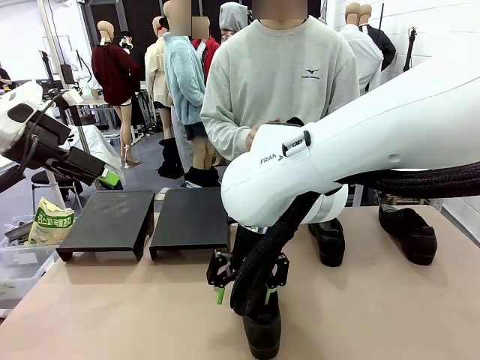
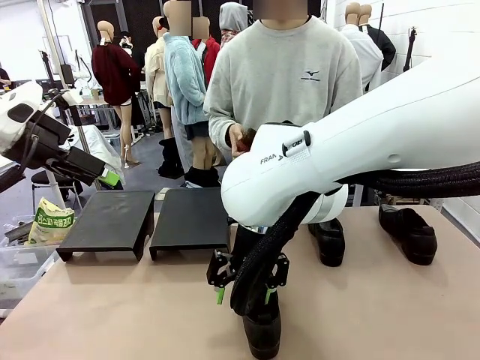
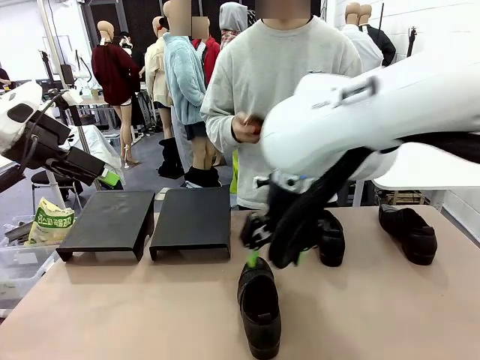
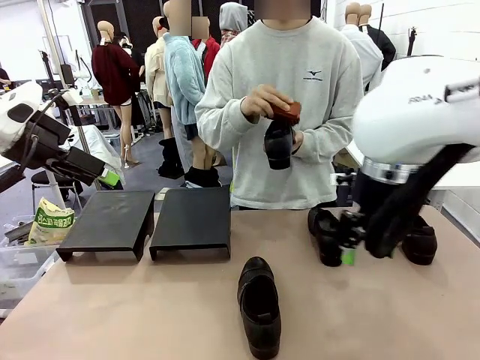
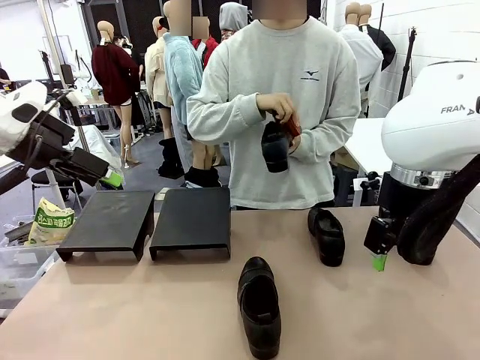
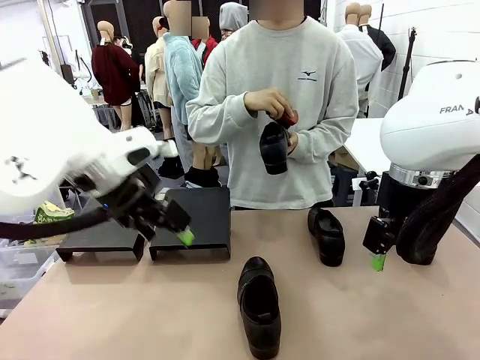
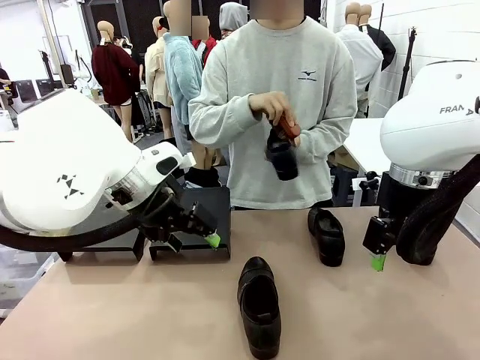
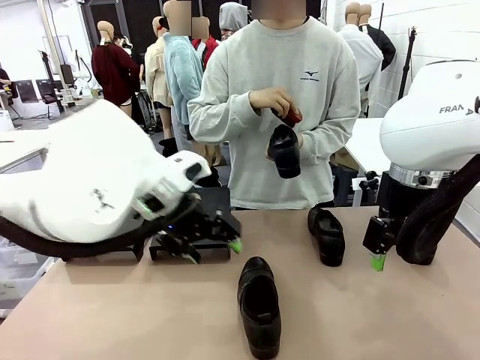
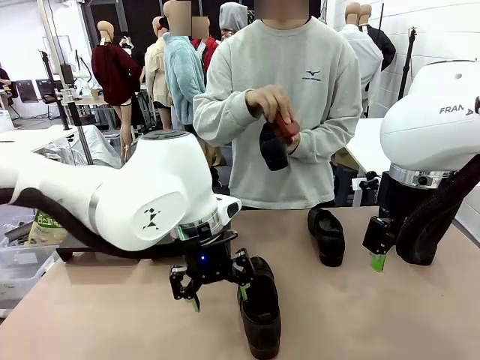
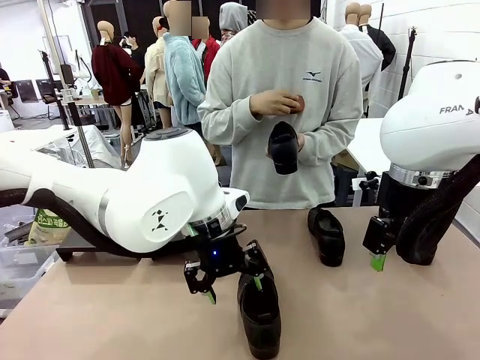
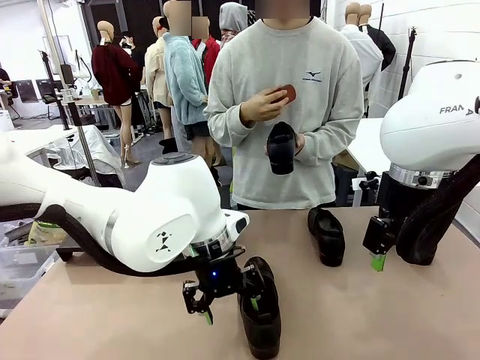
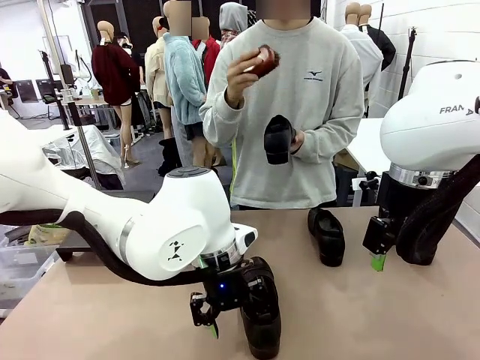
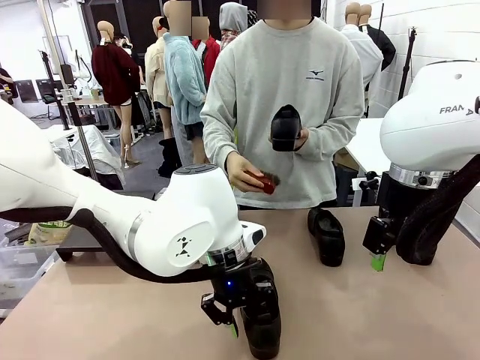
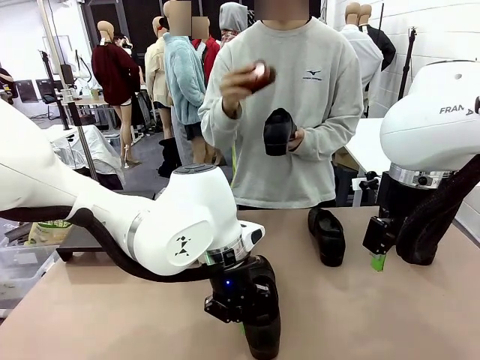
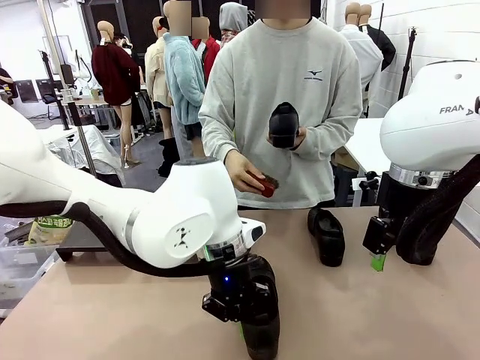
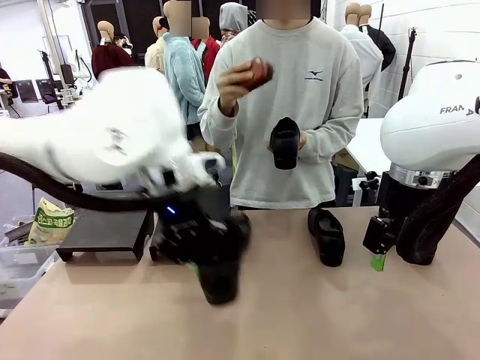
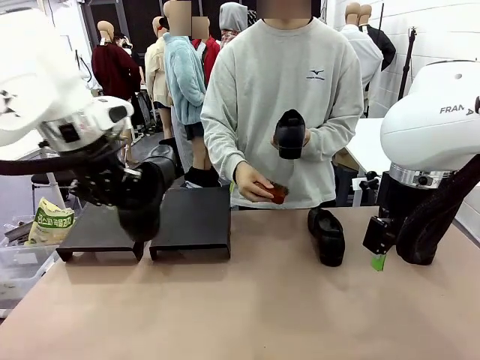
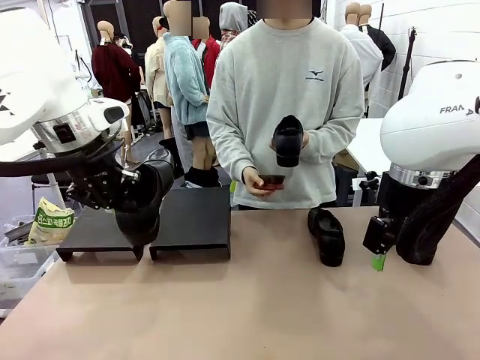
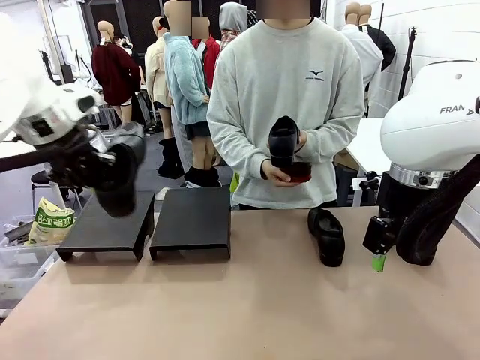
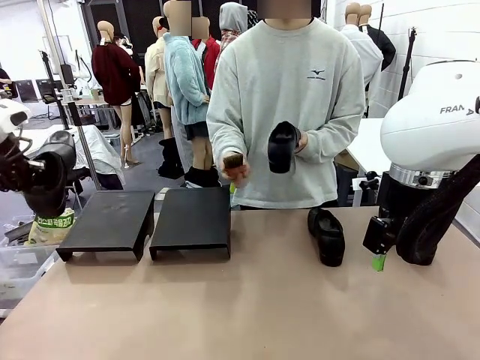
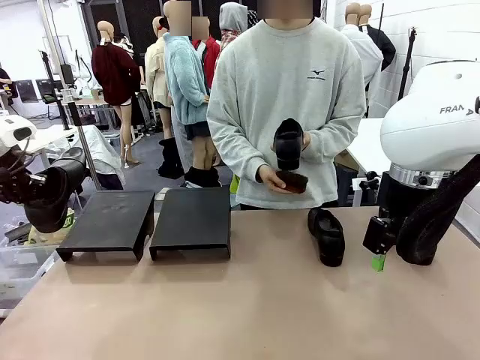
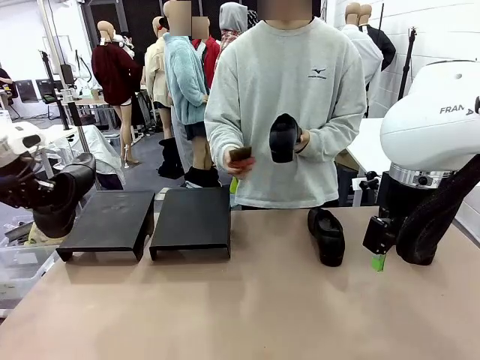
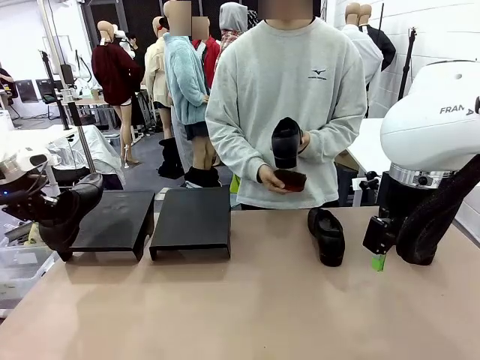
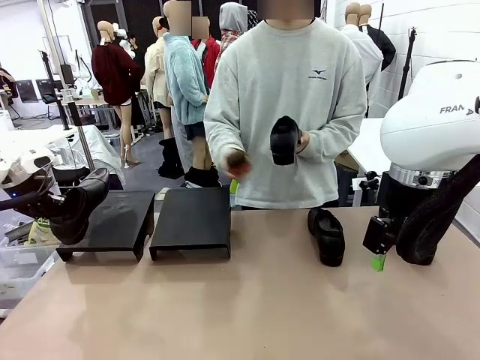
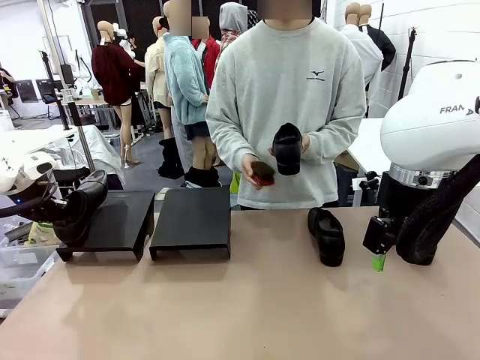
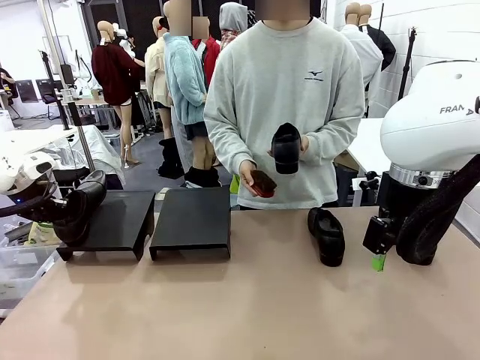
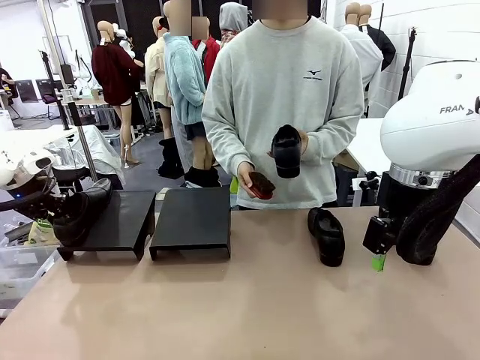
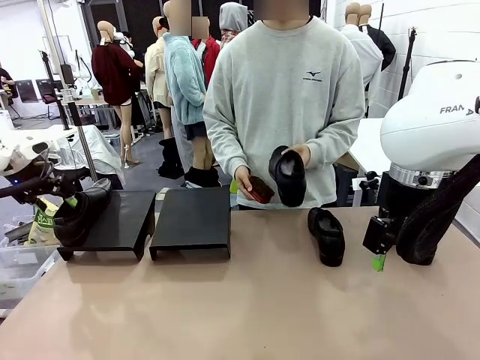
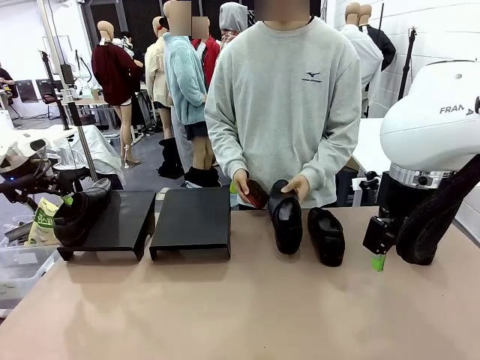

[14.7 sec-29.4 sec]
Task: Organize the shoes by placing them on the stand.
Robot: Place the Shoe from the middle of the table onto the Shoes Stand.
Person: Clean the Shoe with the Shoe Brush.

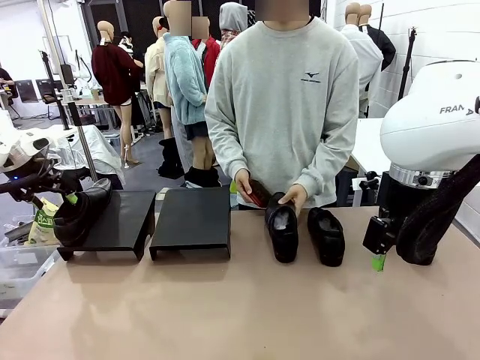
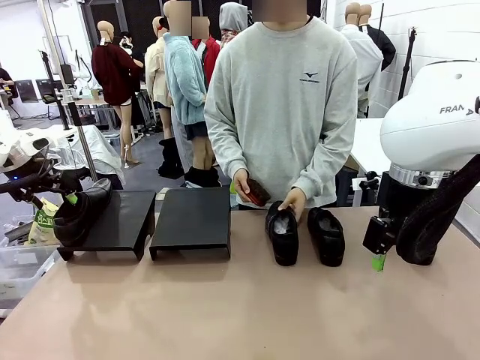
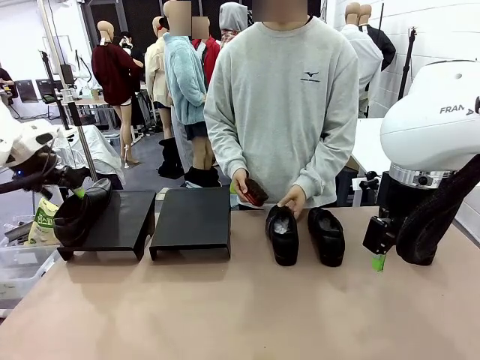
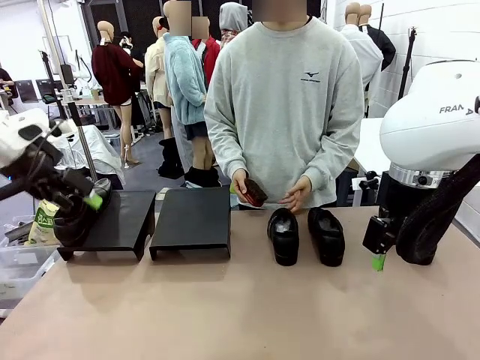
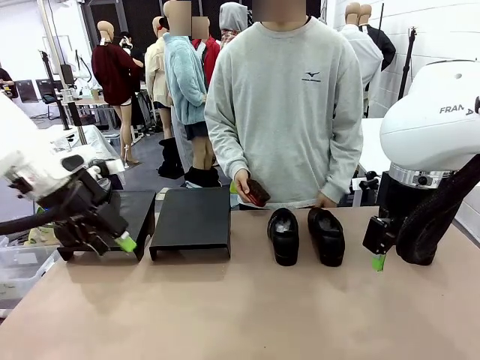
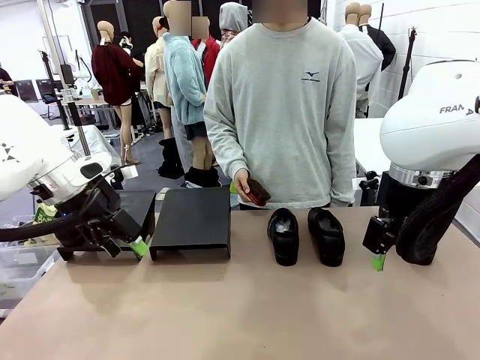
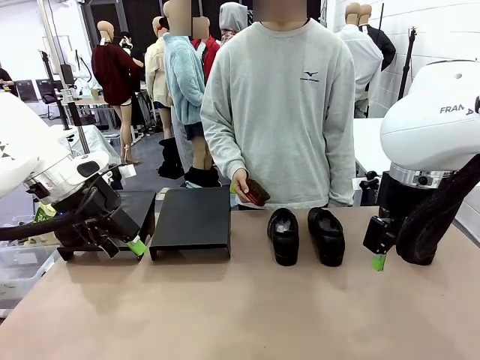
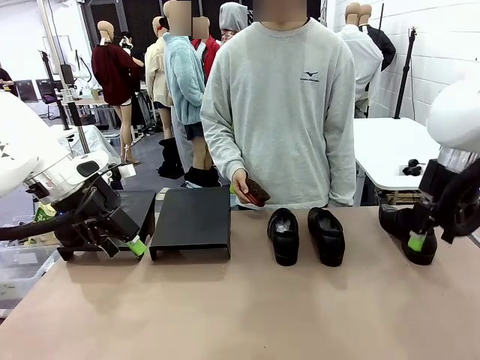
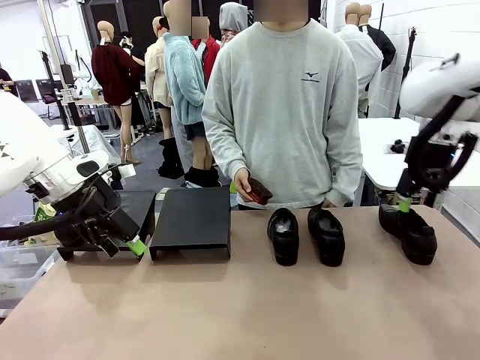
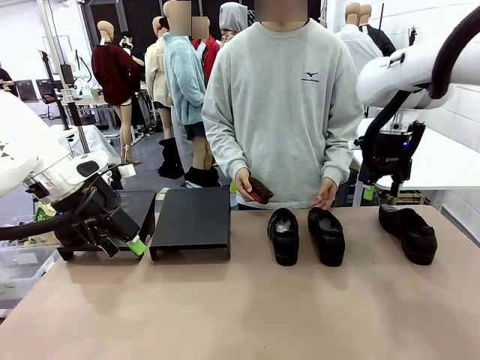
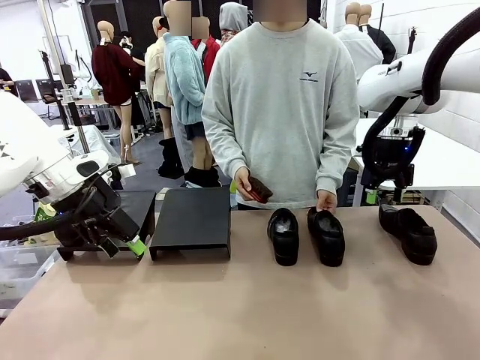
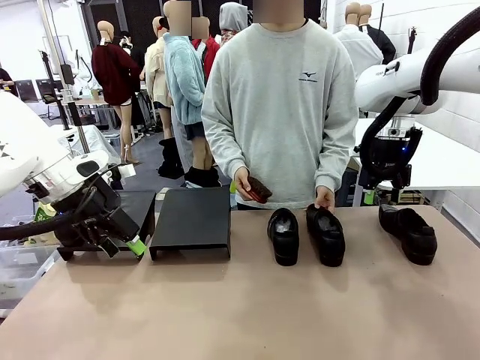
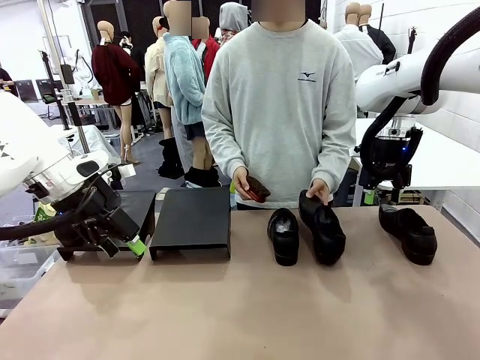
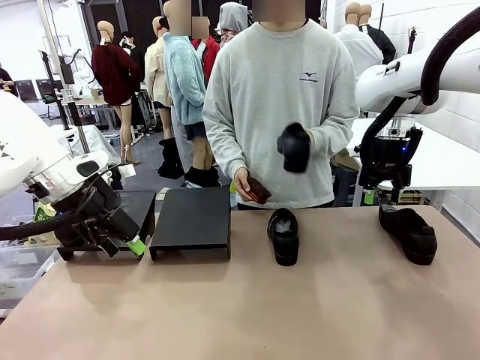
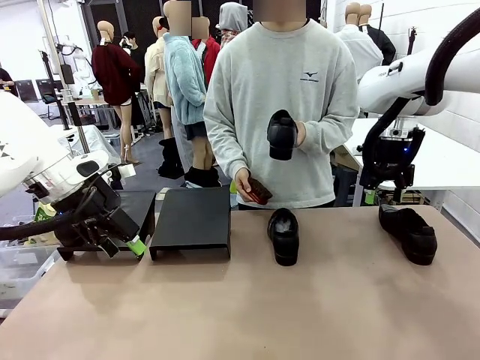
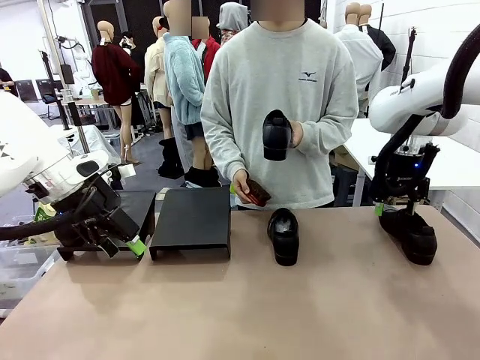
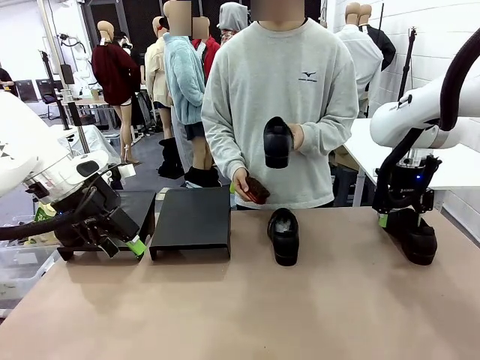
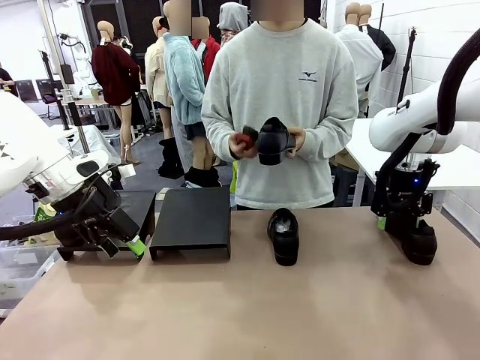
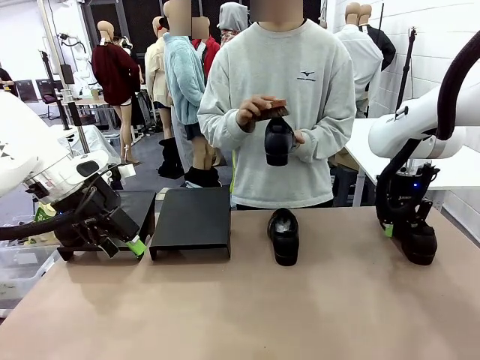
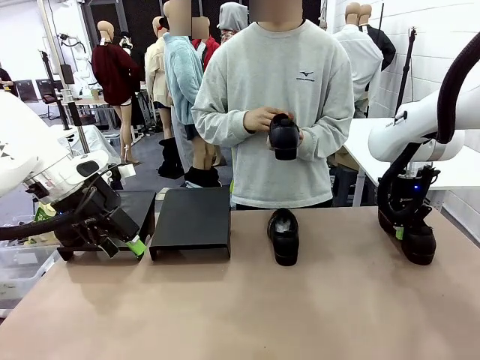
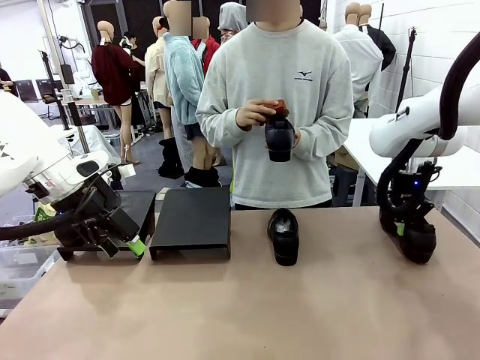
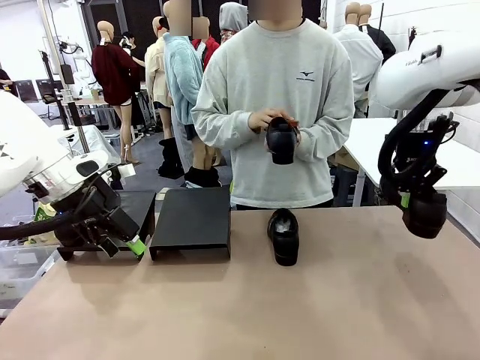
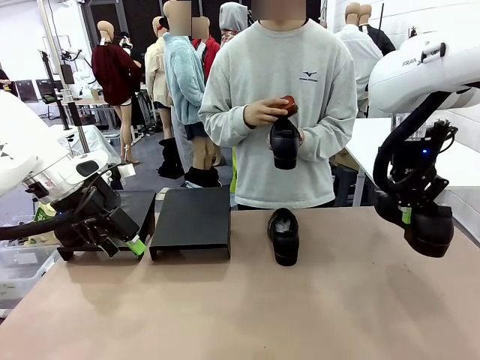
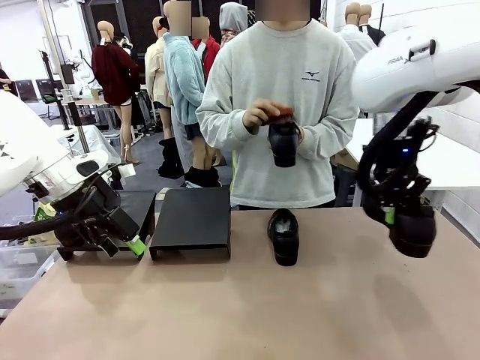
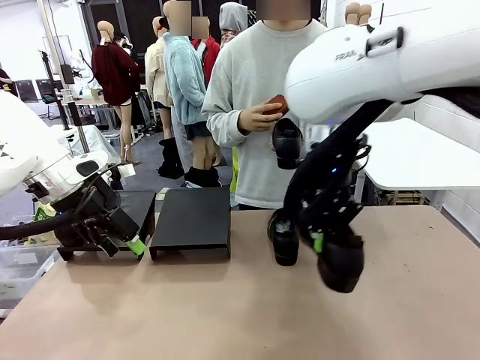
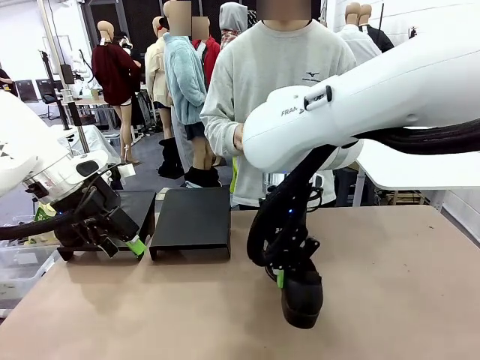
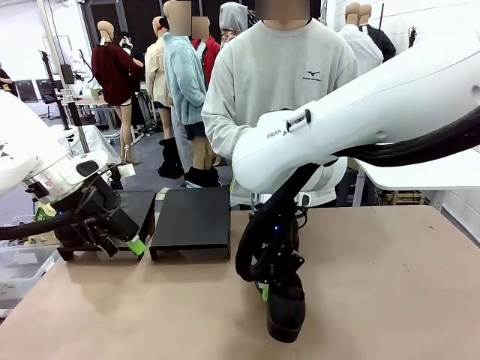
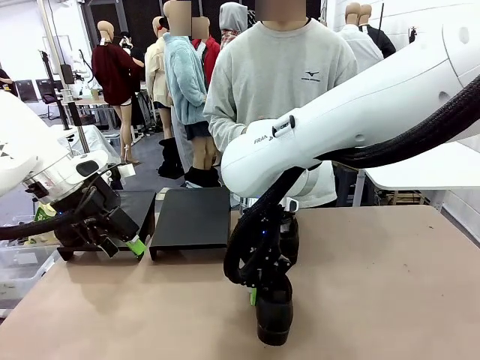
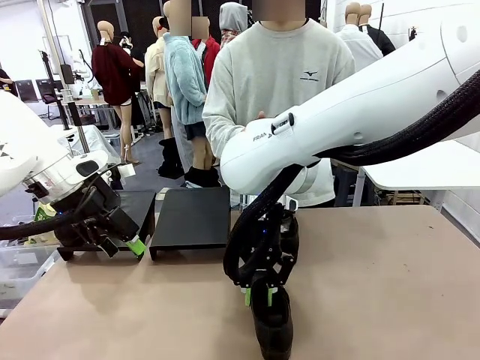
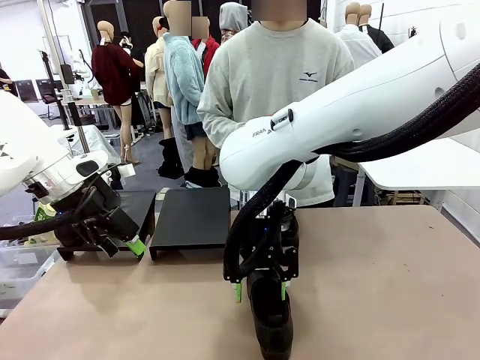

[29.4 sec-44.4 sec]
Robot: Pick up one Shoe and place it in the middle of the table.
Person: Place the Shoe on left side of the Robot's table. Pick one Shoe on Robot's table.
